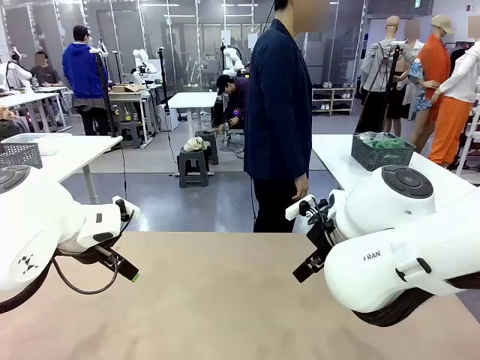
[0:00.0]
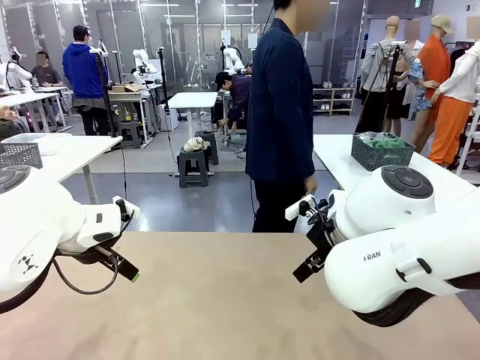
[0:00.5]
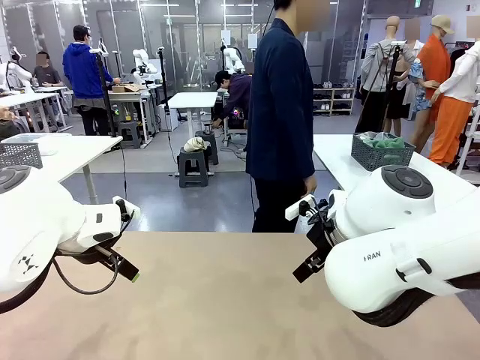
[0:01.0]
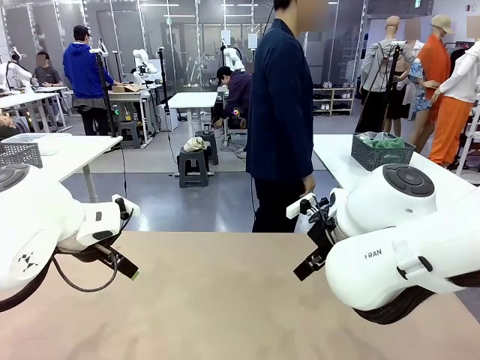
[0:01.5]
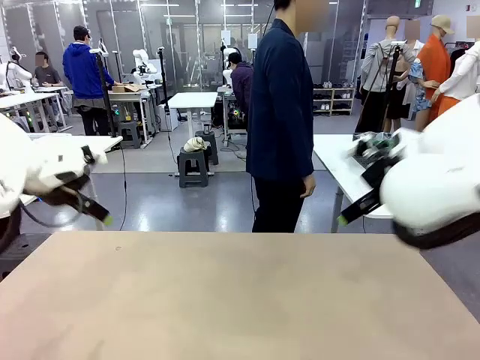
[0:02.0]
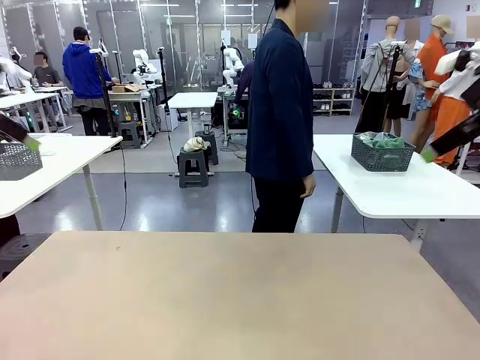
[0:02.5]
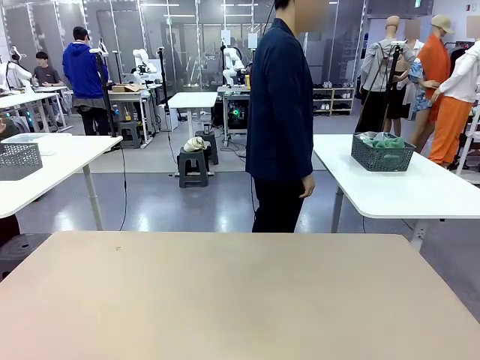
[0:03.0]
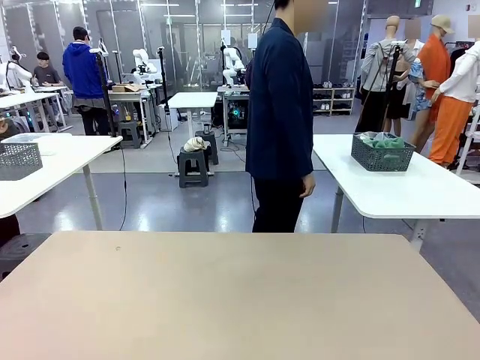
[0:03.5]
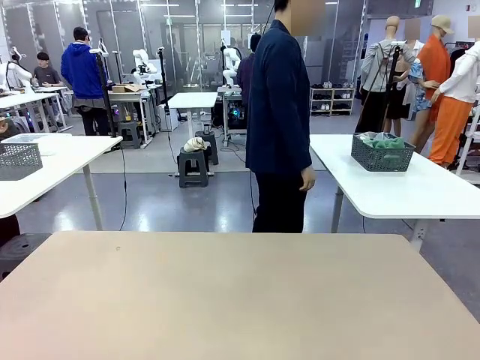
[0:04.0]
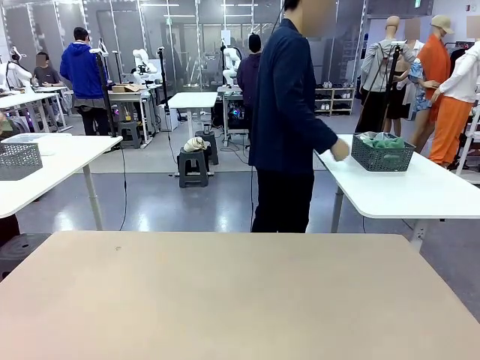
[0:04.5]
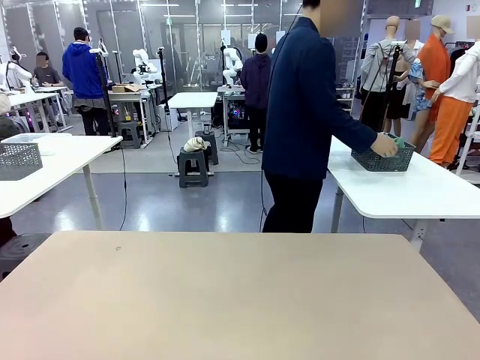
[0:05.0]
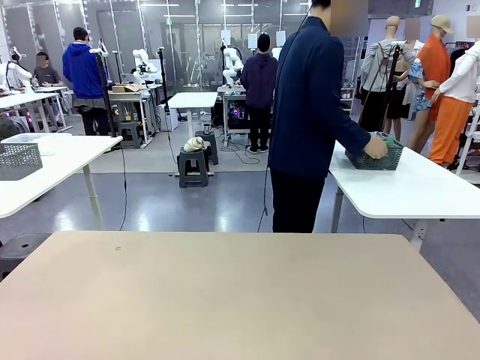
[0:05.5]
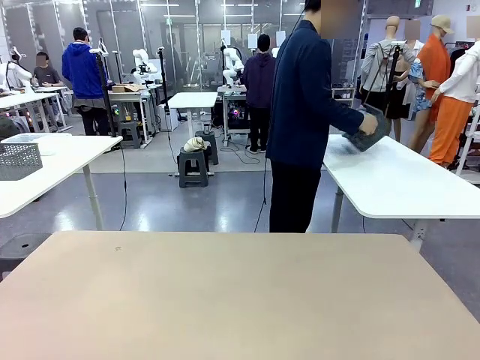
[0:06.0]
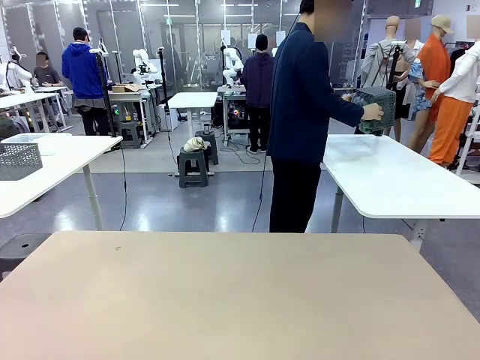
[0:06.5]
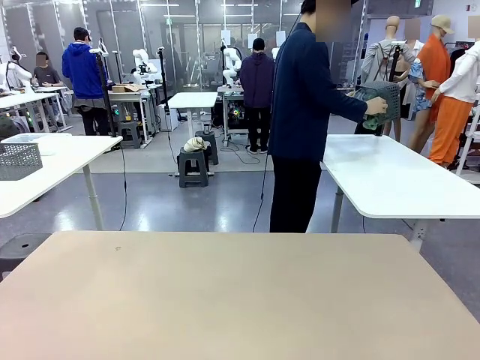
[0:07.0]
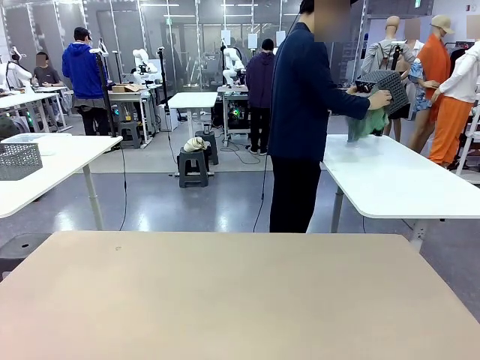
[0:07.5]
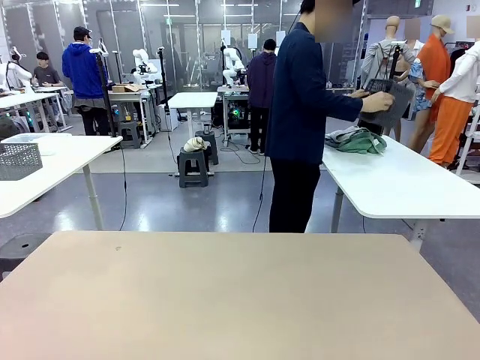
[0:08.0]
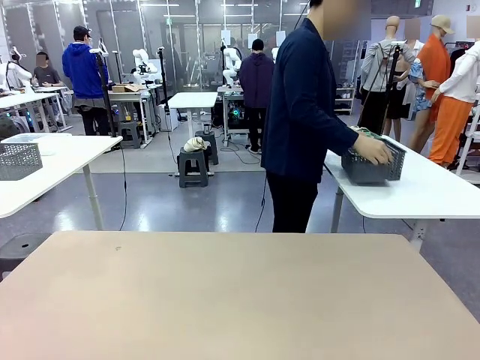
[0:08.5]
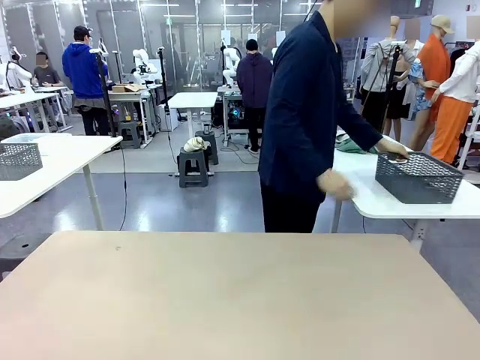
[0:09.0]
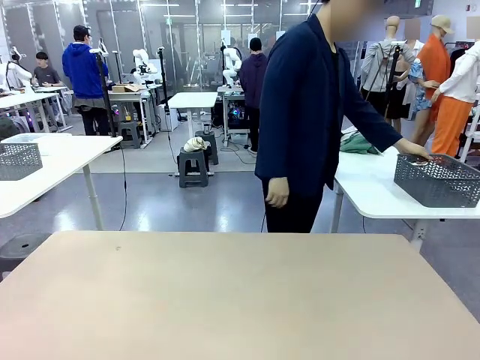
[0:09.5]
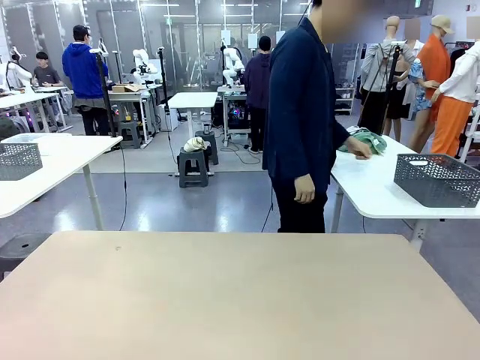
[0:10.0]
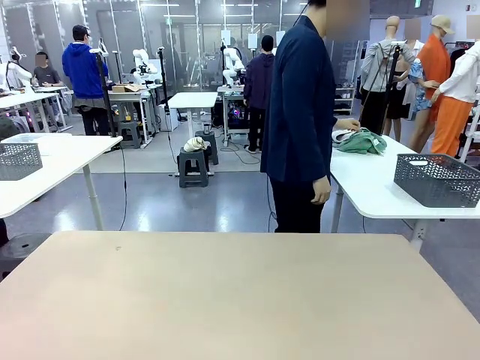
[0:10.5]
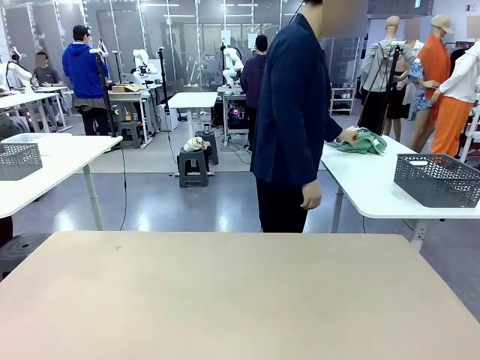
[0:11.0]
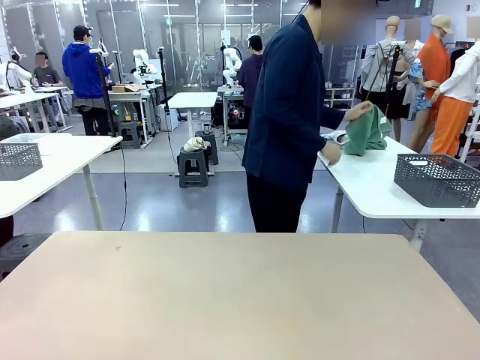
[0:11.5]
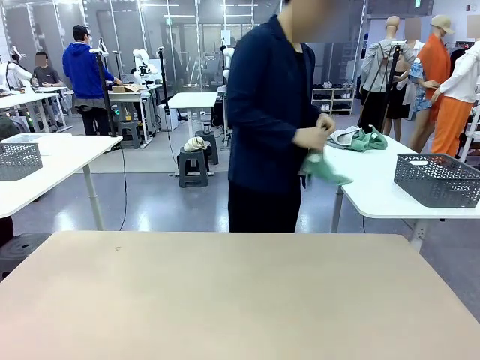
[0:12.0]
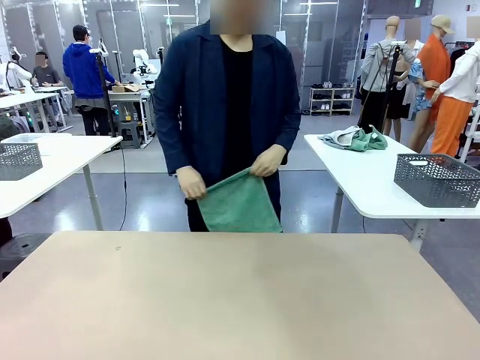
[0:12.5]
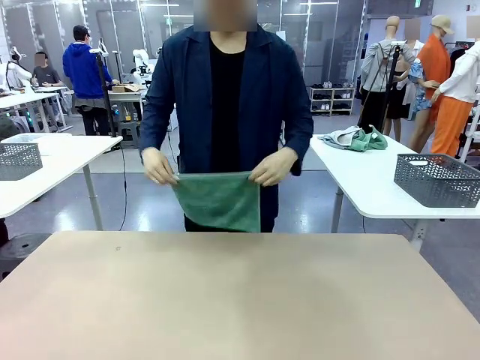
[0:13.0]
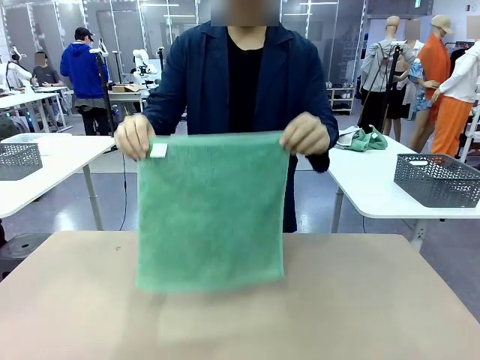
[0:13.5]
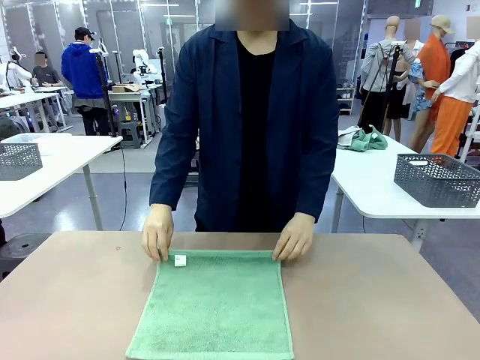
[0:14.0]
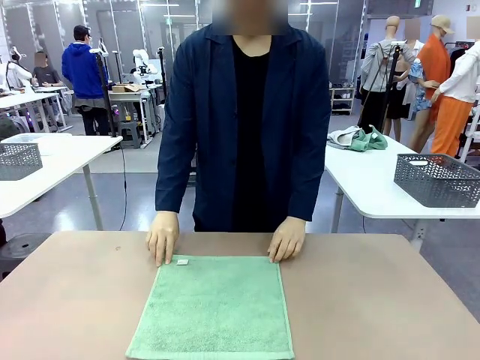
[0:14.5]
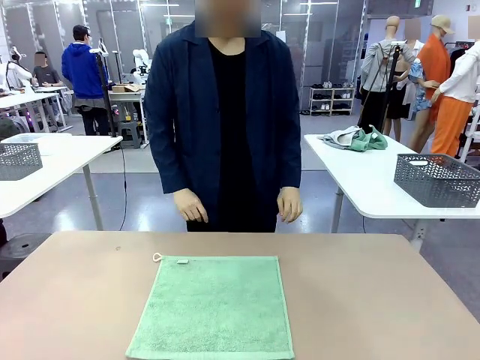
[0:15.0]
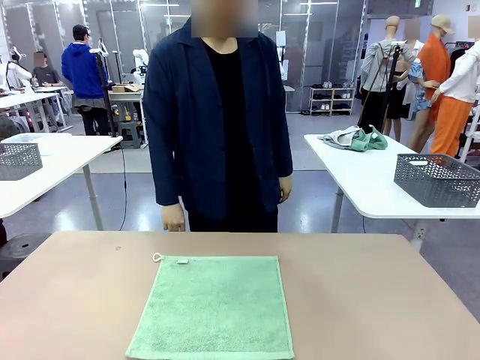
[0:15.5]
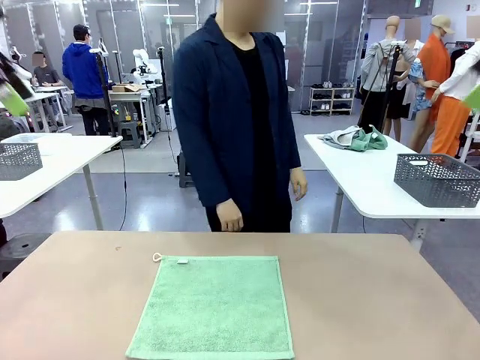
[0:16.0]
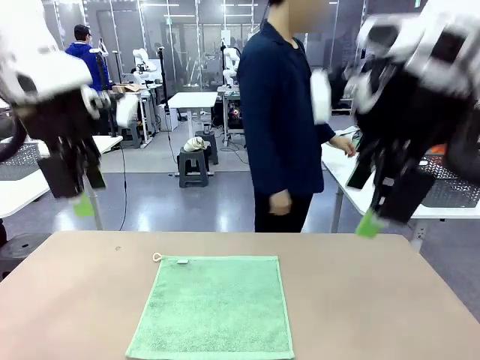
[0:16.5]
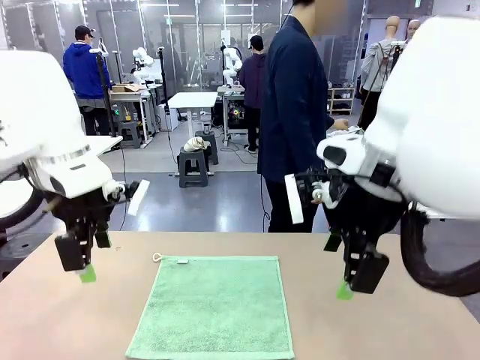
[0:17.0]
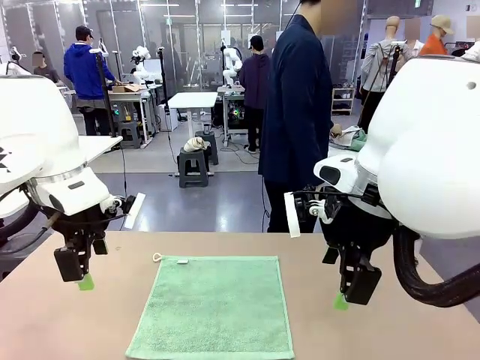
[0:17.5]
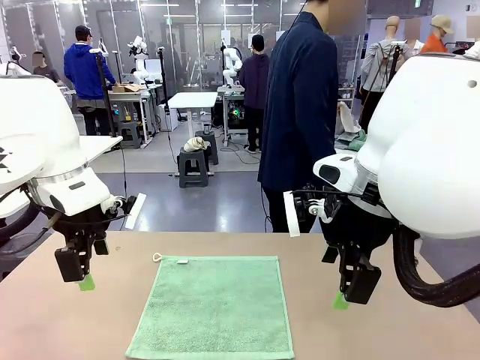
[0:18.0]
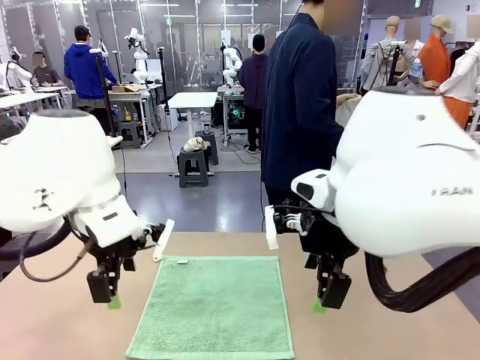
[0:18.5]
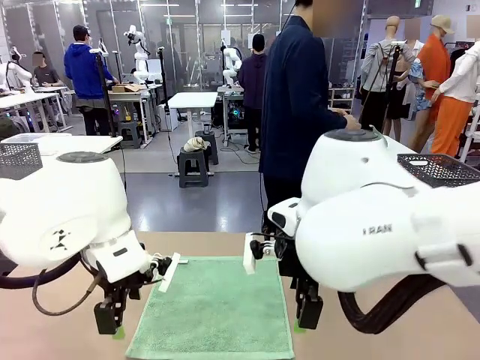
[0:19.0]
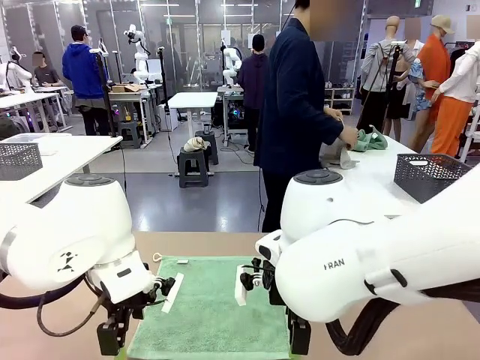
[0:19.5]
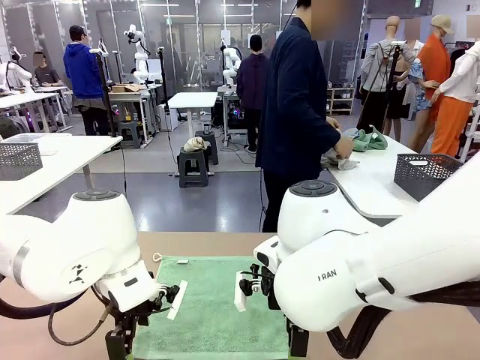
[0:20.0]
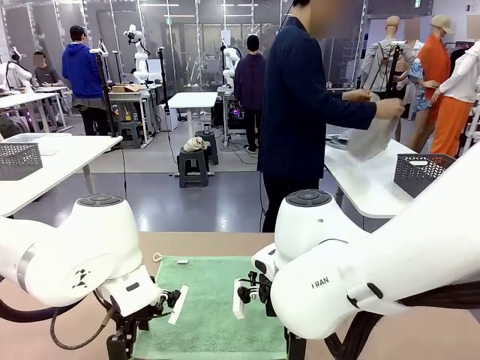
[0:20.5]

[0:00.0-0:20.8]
Task: Fold the towels and place them in the basket.
Robot: When a person lays out a Towel with hook on the table, fold it in half twice.
Person: Pick up the basket, pour the towels onto the left side of the human table, and place the basket on the right side. Pick up one towel and spread it out at the center of the robot table.
